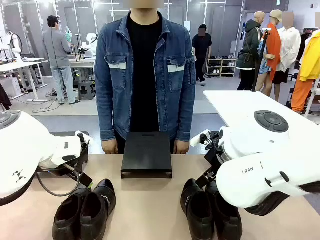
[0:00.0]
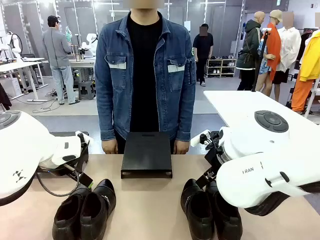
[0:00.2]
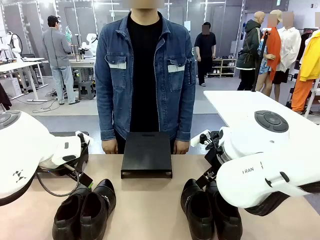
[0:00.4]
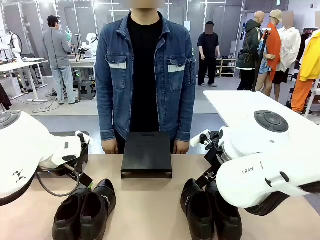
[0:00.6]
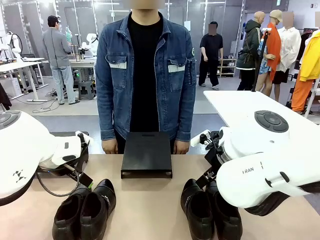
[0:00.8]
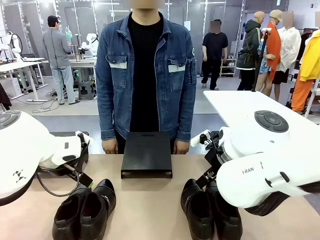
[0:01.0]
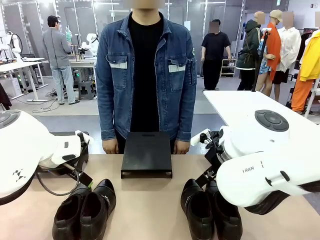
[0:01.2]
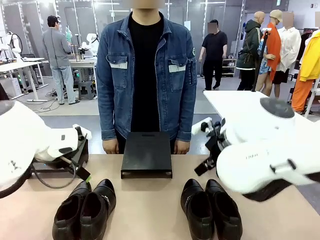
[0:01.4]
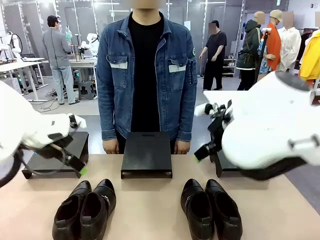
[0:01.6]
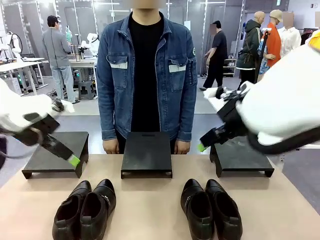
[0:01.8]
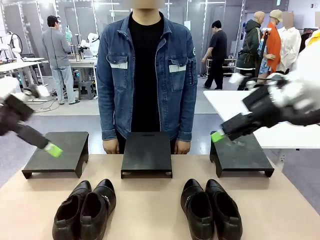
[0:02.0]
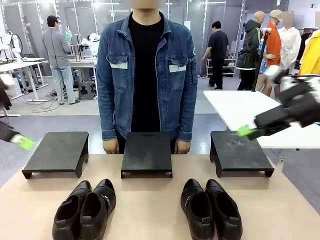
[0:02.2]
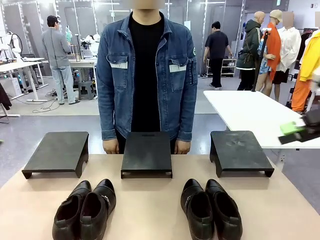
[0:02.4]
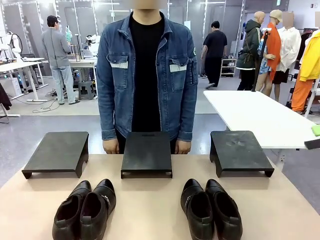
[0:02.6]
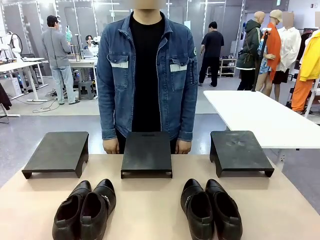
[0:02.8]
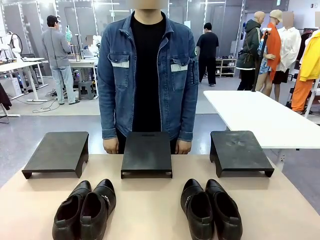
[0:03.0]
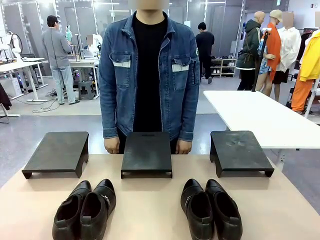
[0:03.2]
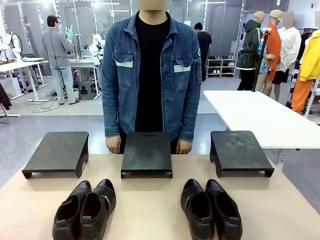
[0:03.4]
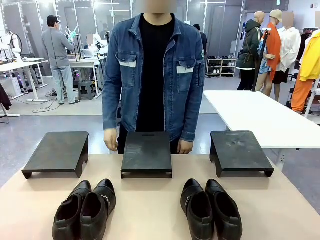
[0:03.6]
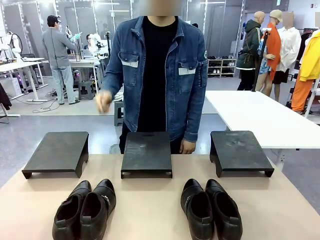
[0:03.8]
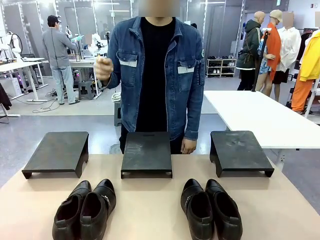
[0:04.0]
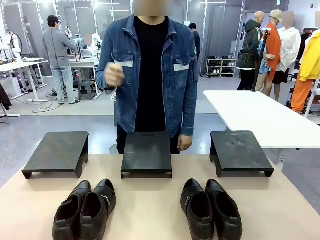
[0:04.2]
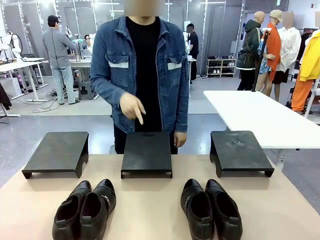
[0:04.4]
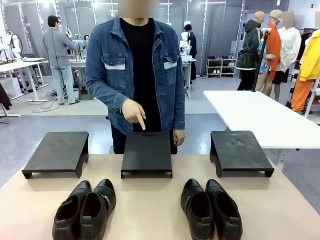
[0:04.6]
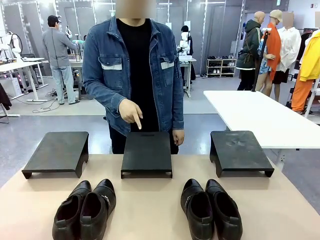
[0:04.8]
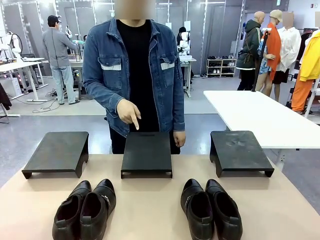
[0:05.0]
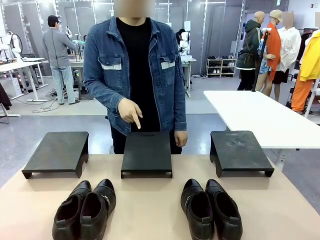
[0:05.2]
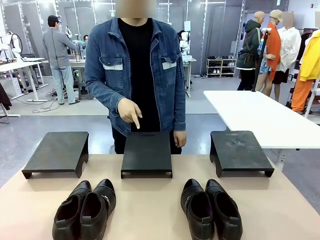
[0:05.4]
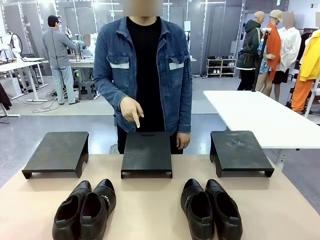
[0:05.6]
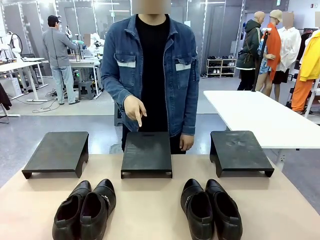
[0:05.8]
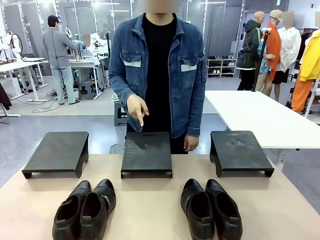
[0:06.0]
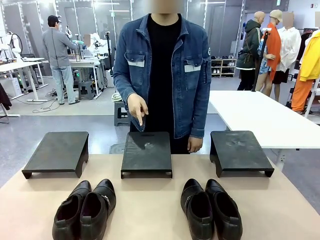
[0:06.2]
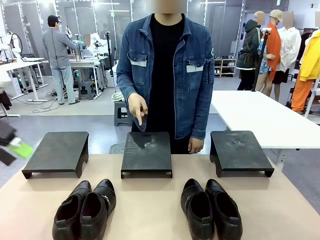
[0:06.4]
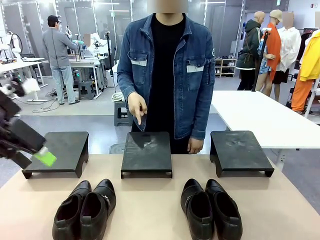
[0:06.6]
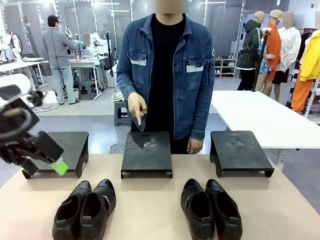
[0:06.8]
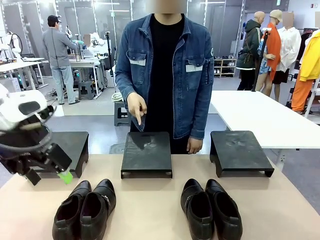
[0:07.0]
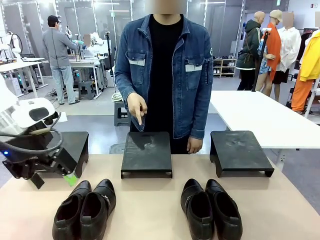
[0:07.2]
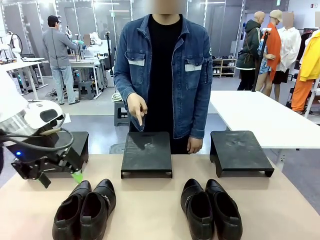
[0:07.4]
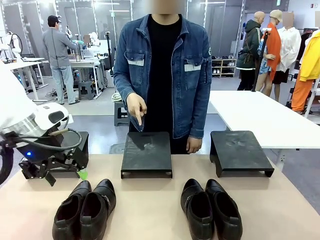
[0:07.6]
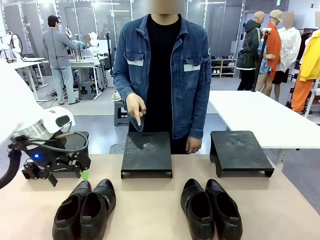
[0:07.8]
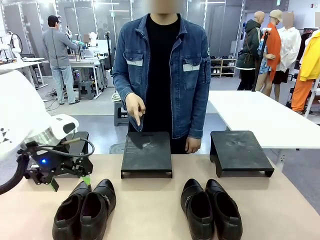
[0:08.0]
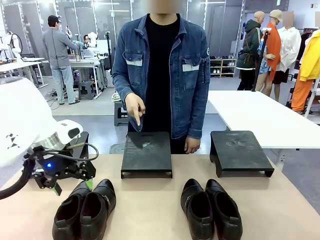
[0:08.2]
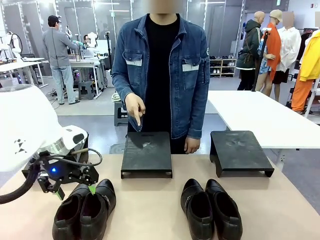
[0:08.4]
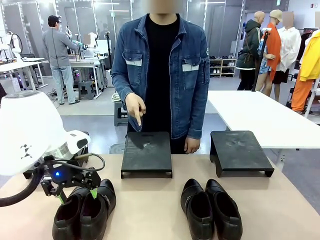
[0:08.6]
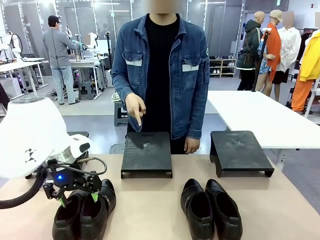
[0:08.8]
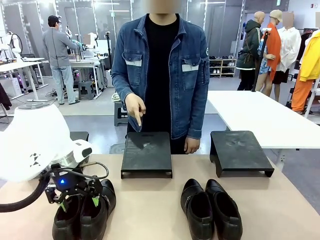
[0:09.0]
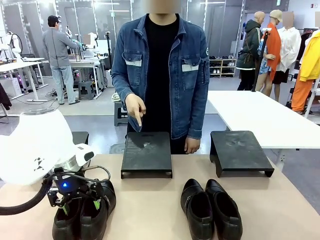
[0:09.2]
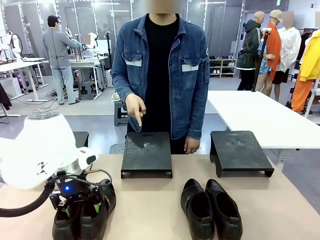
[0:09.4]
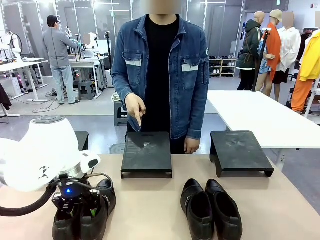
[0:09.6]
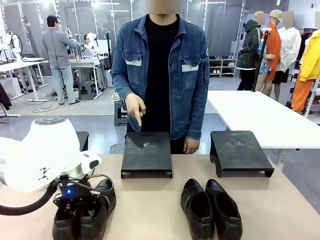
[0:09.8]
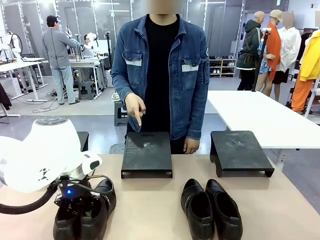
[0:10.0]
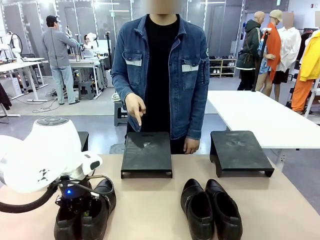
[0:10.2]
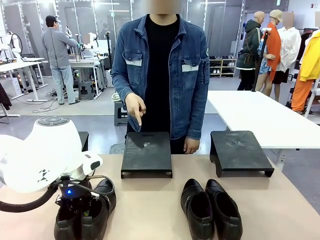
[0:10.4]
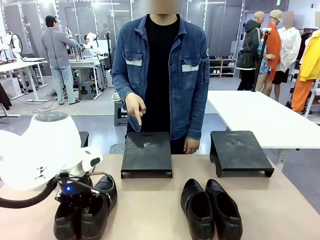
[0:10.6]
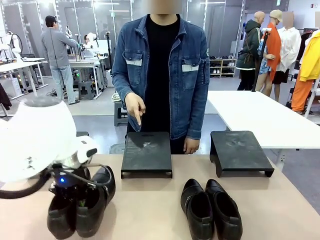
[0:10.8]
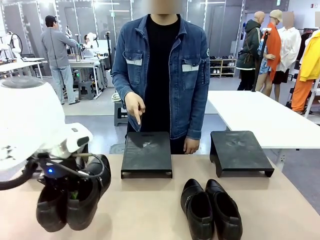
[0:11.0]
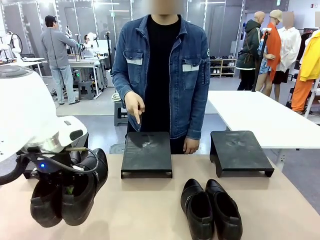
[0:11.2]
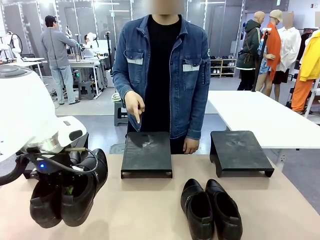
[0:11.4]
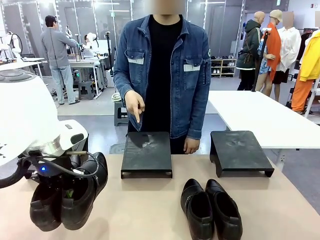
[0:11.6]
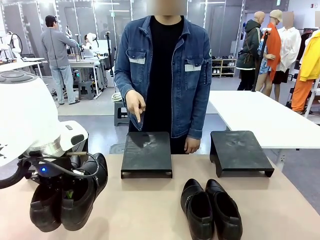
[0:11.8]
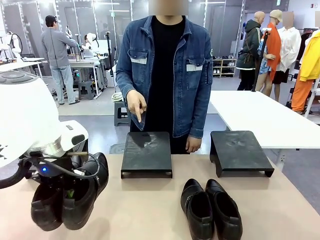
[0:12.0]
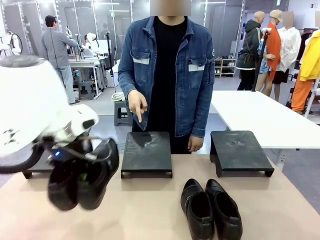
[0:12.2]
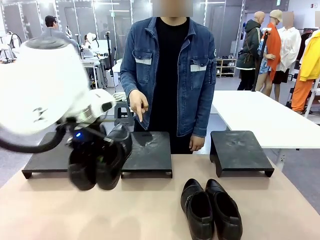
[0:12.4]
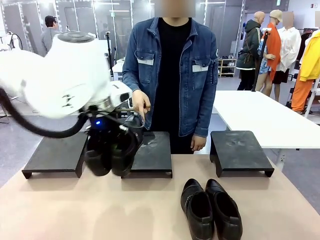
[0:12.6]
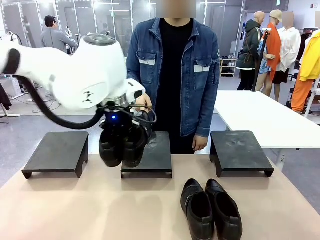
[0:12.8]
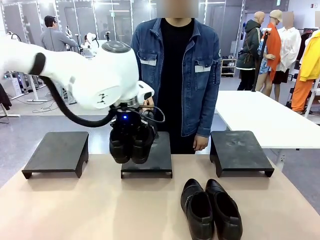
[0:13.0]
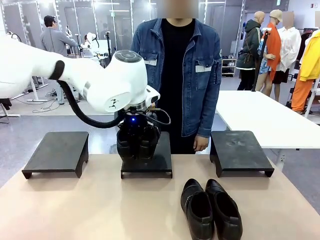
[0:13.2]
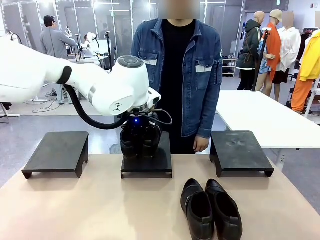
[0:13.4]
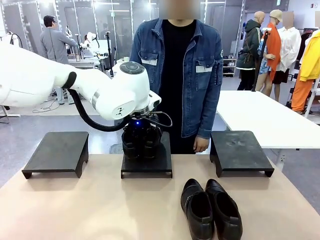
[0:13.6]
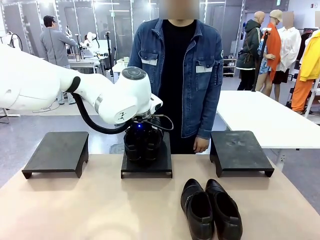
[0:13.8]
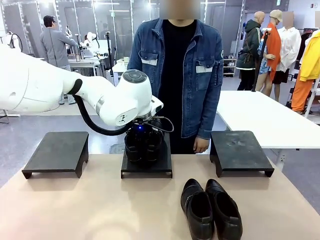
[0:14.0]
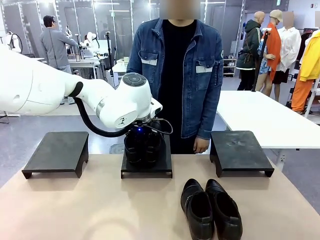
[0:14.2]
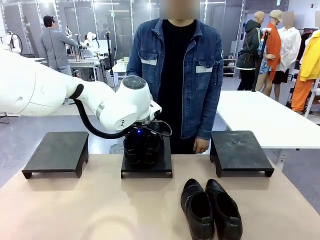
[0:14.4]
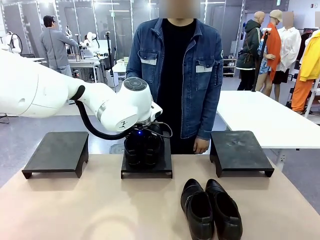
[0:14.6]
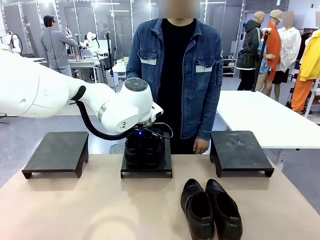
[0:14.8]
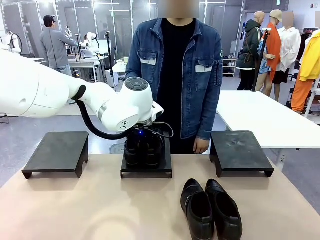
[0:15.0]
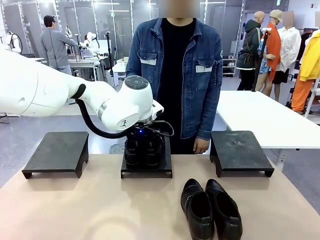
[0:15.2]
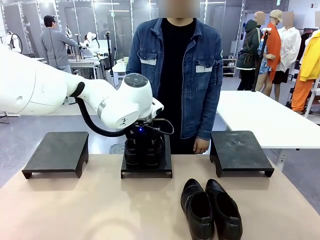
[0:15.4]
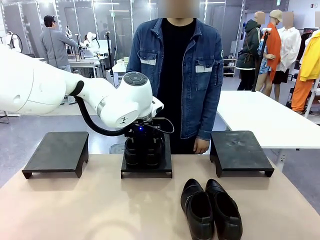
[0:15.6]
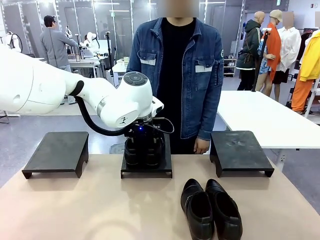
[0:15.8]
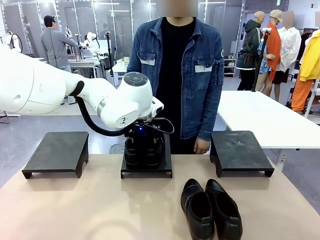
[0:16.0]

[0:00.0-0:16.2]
Task: Place the shoes on the stand as instructed by the person.
Robot: Pick up one pair of Shoes and place it on the Shoes Stand indicated by the person.
